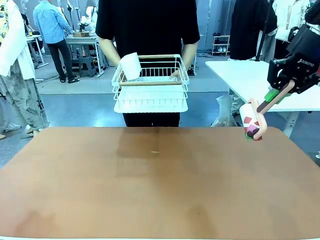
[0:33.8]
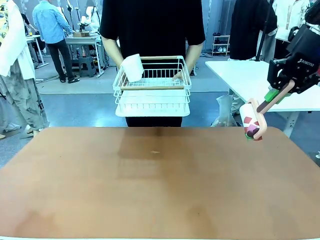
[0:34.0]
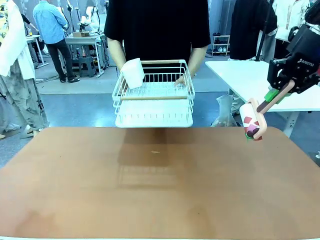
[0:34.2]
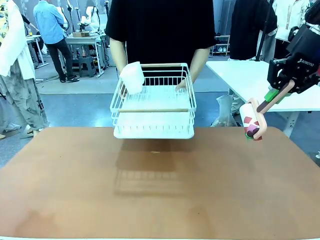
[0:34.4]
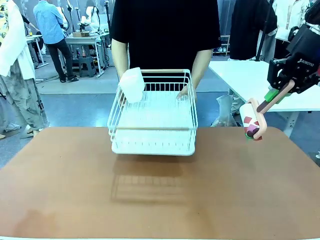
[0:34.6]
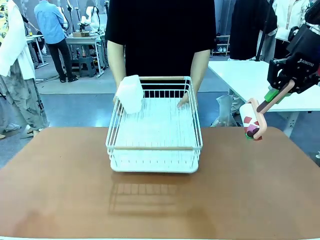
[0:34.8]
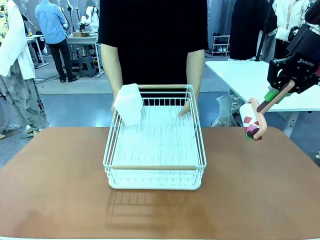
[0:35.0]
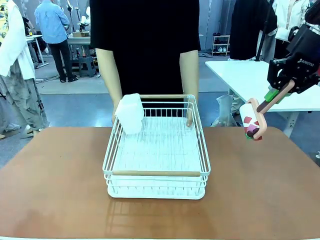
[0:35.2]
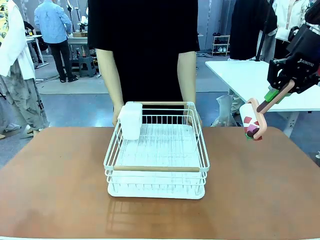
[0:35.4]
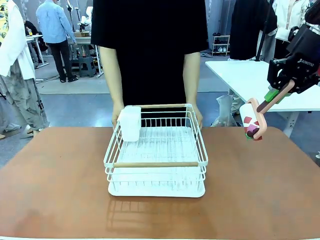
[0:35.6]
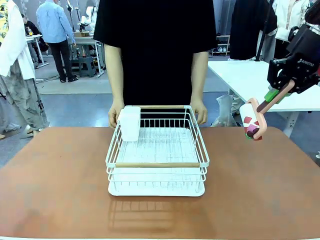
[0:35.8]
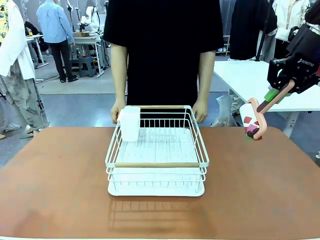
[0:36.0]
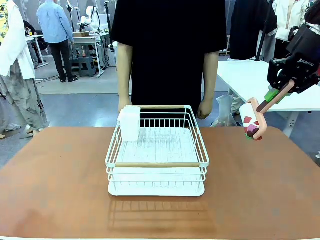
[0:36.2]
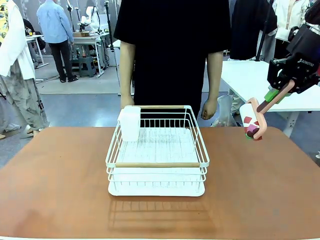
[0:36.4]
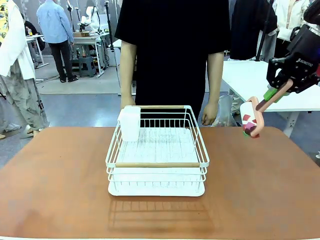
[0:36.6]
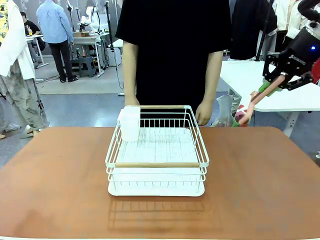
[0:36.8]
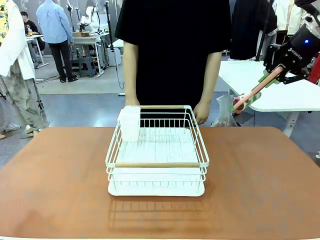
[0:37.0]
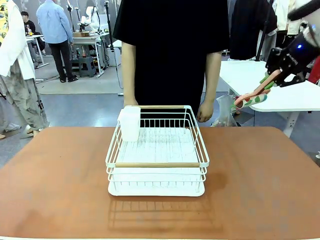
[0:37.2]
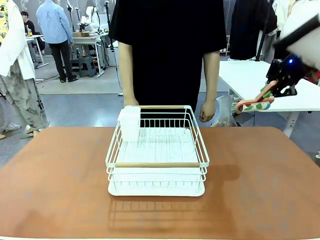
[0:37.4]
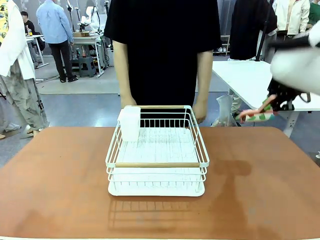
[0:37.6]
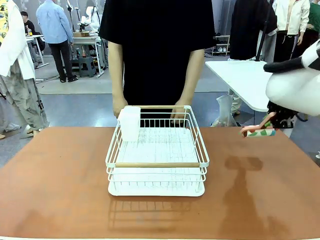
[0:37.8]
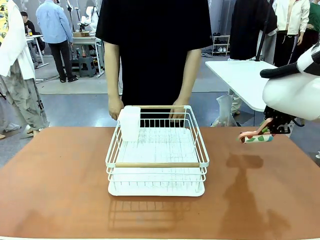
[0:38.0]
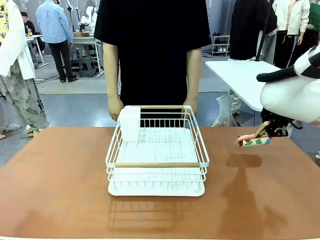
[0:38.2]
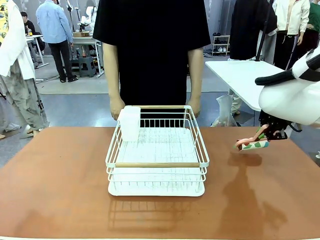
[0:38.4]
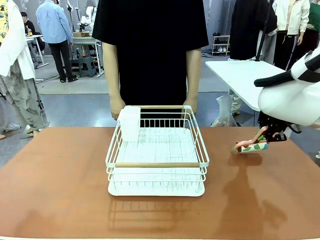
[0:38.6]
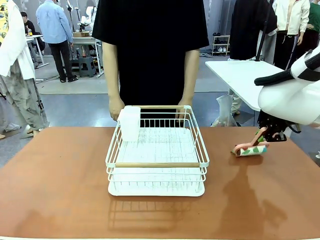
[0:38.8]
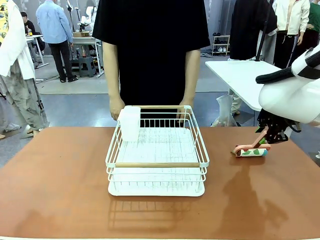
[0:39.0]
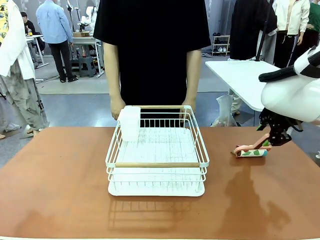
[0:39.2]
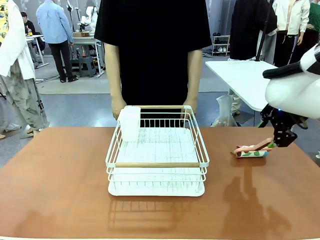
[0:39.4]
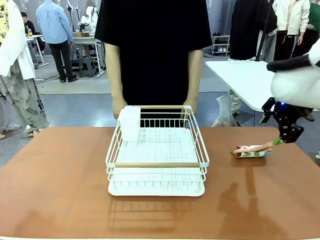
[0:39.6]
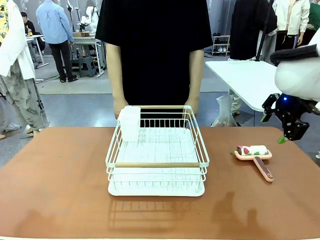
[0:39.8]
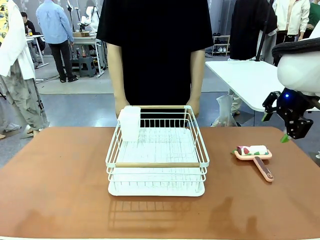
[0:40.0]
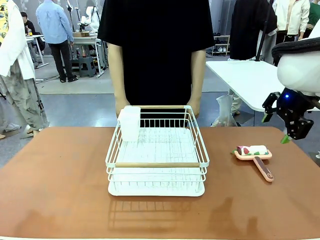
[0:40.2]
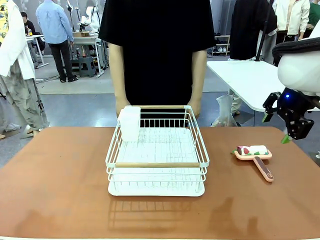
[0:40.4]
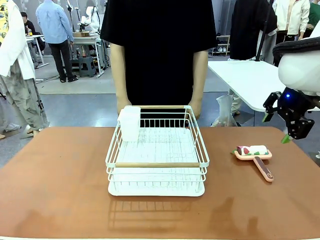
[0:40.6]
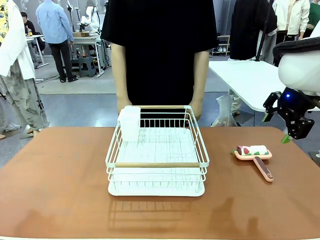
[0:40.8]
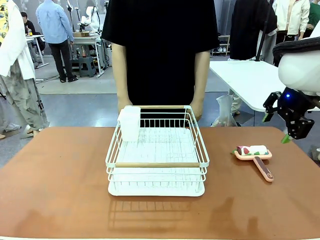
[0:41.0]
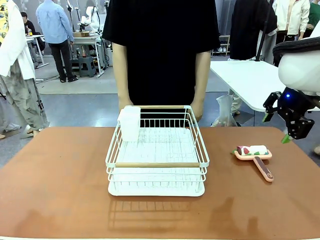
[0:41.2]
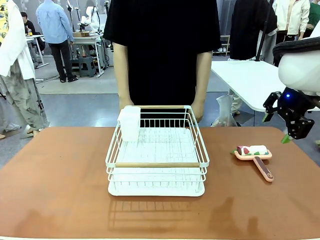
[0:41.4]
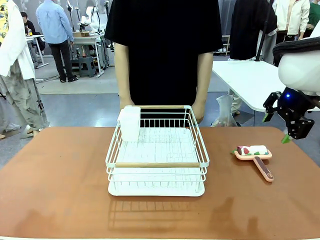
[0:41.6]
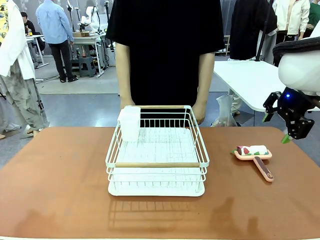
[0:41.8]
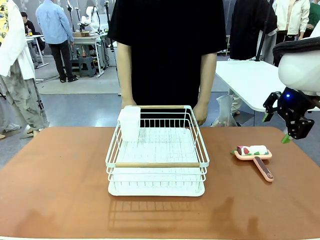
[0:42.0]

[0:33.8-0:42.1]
Task: Clean the table.
Robot: Place the Lint Roller down when the Dish drying rack is positioned in the middle of the table.

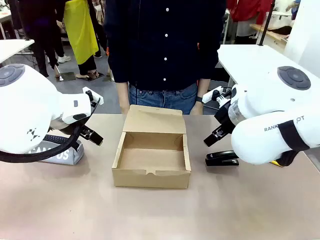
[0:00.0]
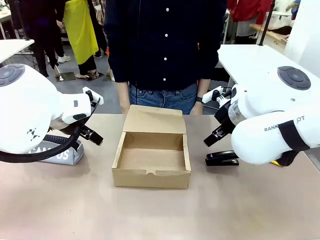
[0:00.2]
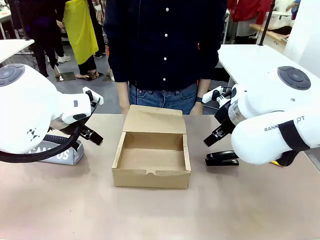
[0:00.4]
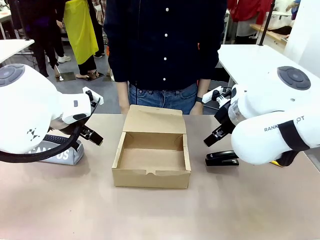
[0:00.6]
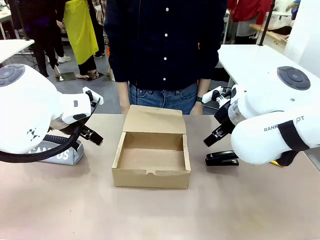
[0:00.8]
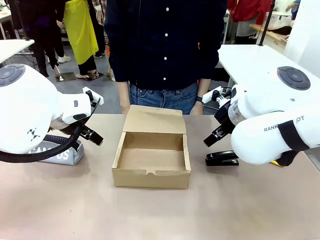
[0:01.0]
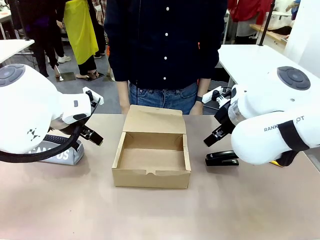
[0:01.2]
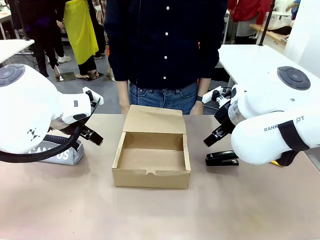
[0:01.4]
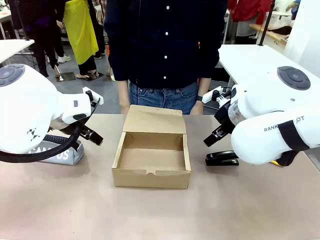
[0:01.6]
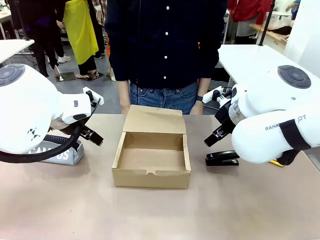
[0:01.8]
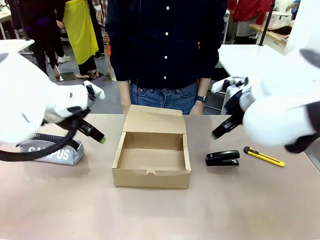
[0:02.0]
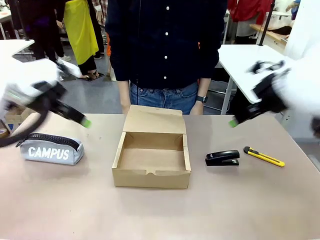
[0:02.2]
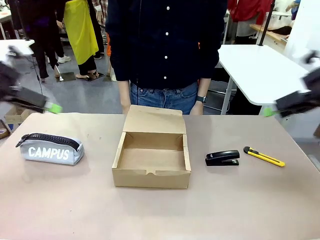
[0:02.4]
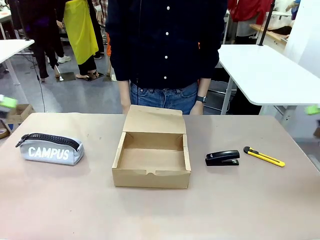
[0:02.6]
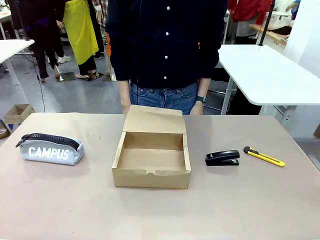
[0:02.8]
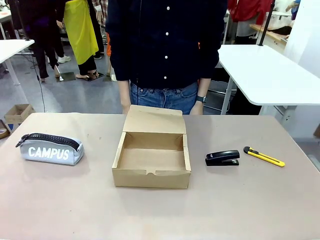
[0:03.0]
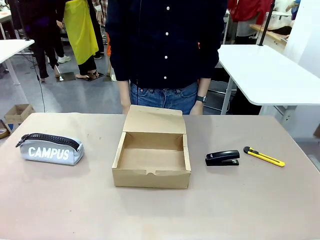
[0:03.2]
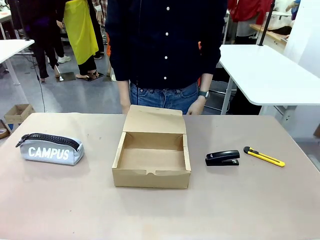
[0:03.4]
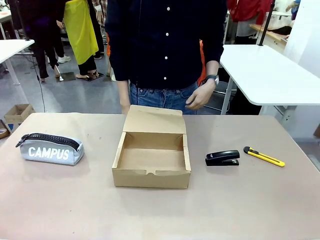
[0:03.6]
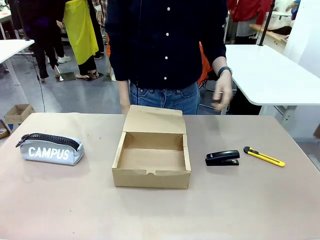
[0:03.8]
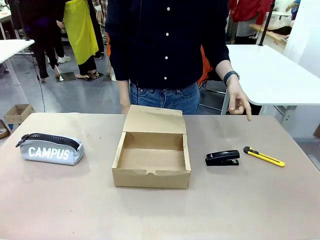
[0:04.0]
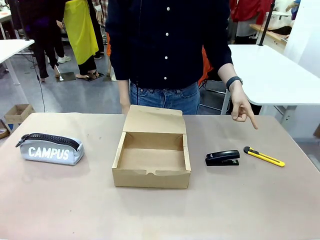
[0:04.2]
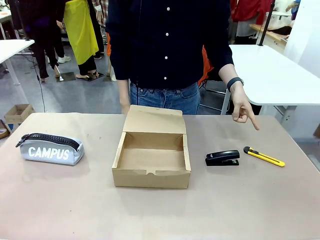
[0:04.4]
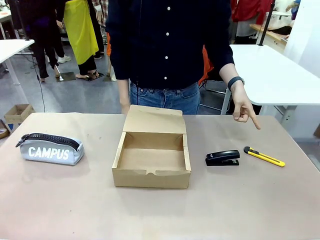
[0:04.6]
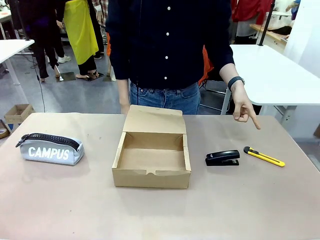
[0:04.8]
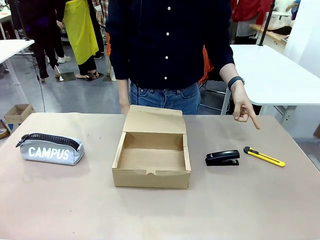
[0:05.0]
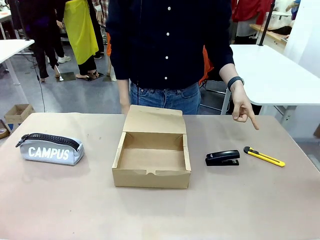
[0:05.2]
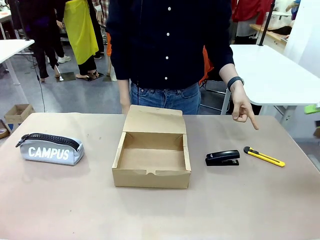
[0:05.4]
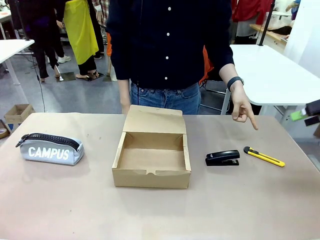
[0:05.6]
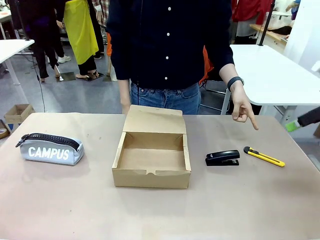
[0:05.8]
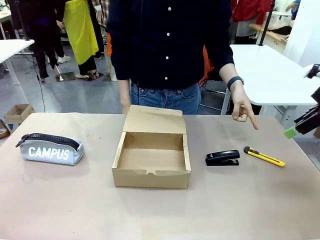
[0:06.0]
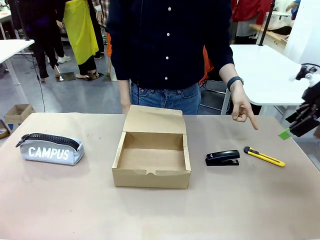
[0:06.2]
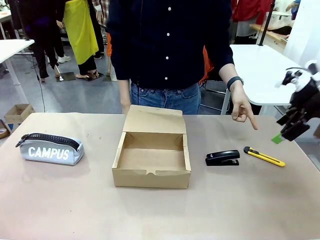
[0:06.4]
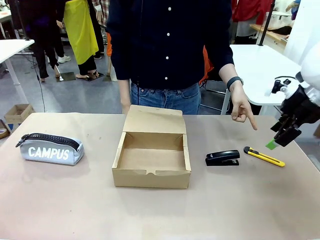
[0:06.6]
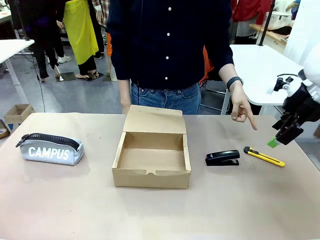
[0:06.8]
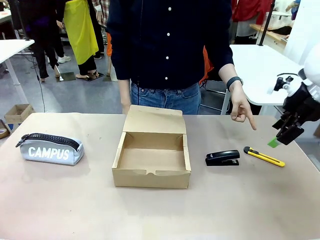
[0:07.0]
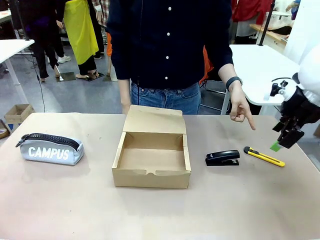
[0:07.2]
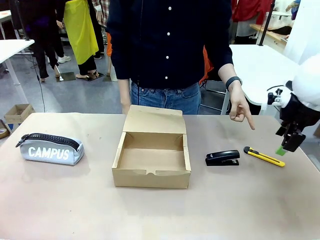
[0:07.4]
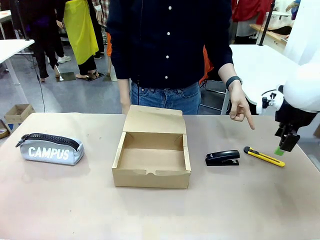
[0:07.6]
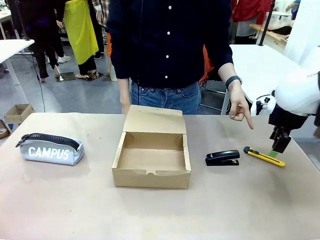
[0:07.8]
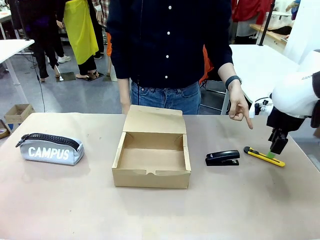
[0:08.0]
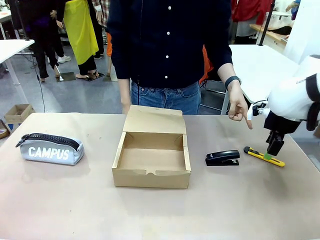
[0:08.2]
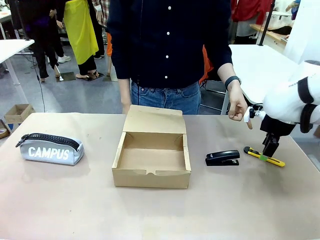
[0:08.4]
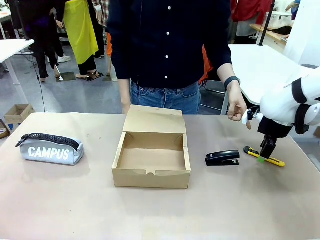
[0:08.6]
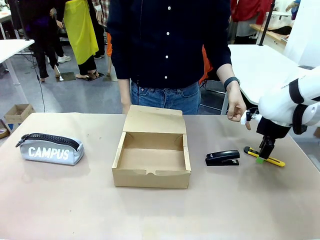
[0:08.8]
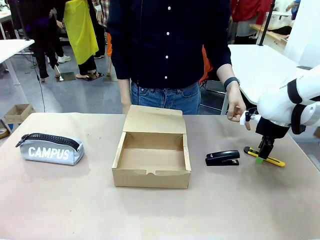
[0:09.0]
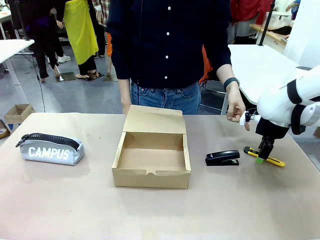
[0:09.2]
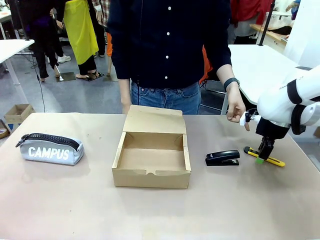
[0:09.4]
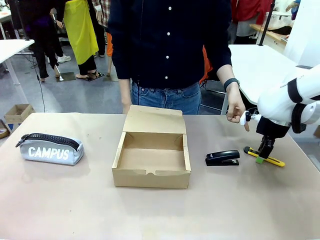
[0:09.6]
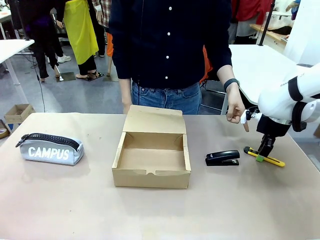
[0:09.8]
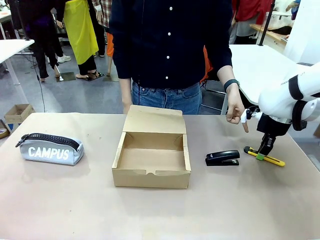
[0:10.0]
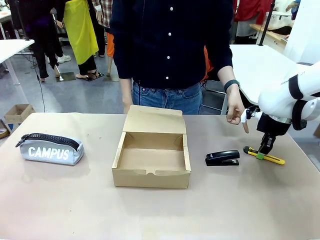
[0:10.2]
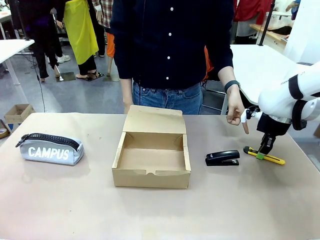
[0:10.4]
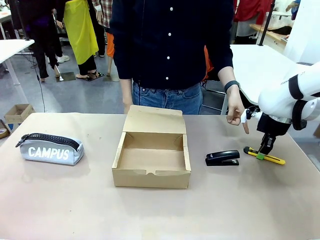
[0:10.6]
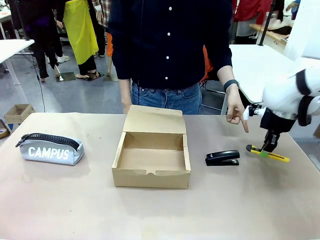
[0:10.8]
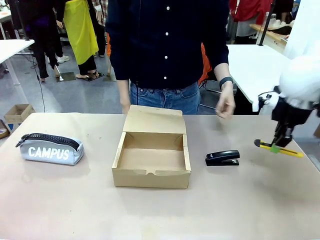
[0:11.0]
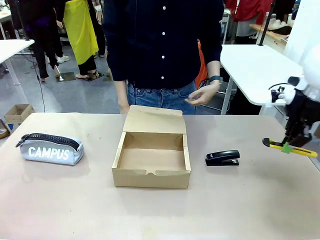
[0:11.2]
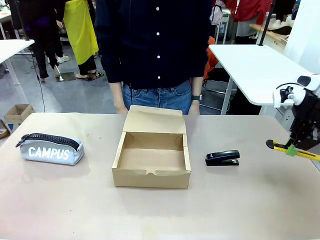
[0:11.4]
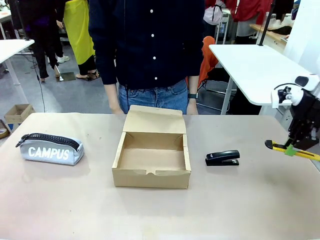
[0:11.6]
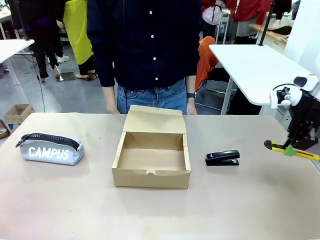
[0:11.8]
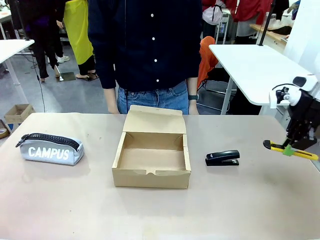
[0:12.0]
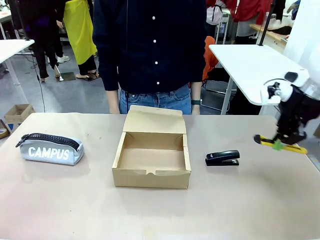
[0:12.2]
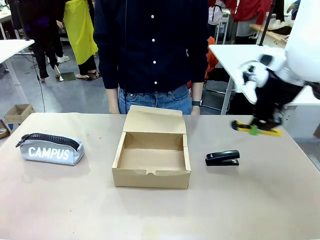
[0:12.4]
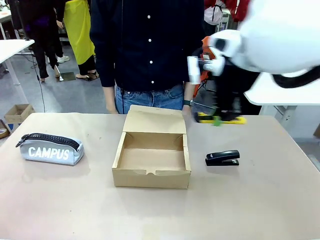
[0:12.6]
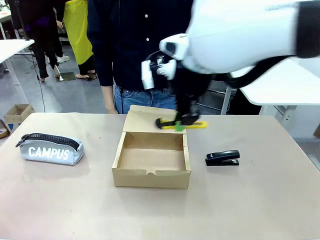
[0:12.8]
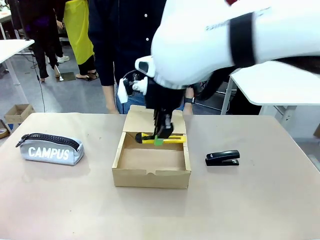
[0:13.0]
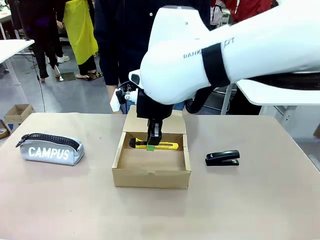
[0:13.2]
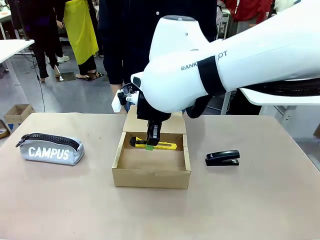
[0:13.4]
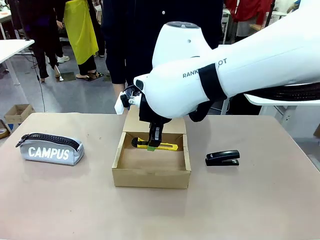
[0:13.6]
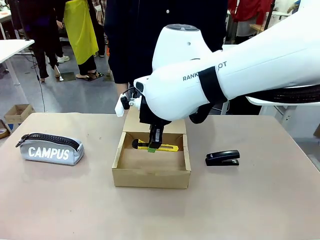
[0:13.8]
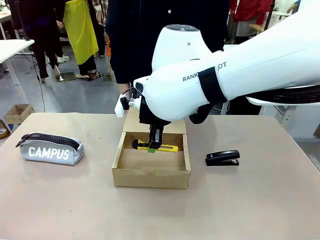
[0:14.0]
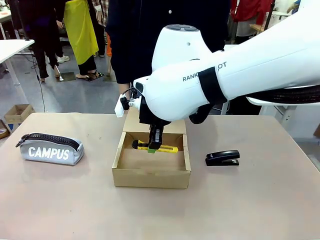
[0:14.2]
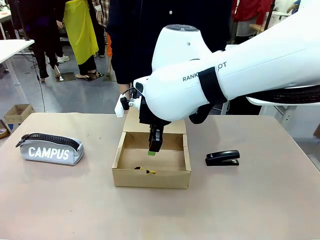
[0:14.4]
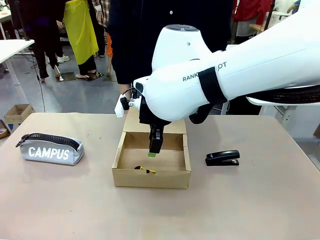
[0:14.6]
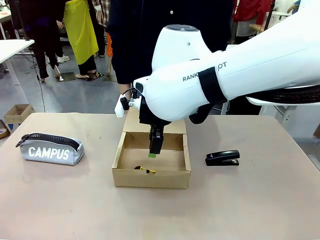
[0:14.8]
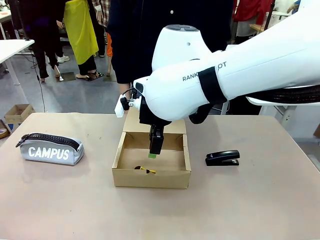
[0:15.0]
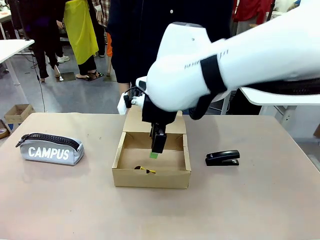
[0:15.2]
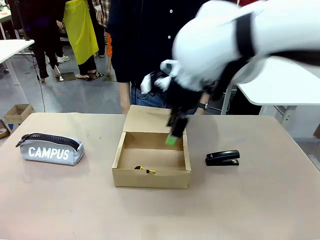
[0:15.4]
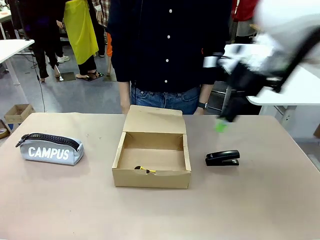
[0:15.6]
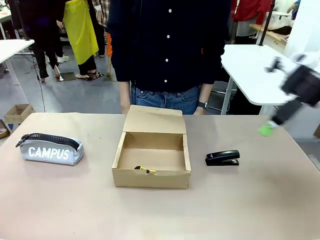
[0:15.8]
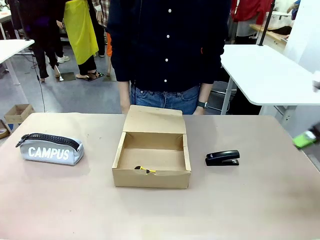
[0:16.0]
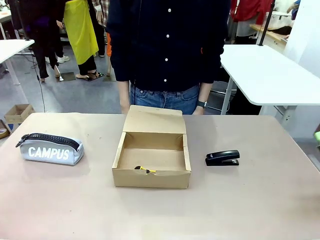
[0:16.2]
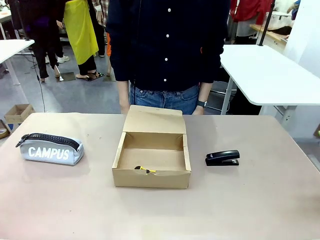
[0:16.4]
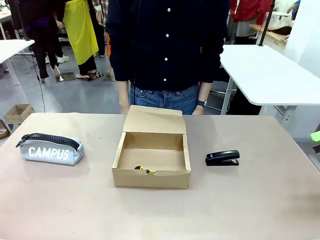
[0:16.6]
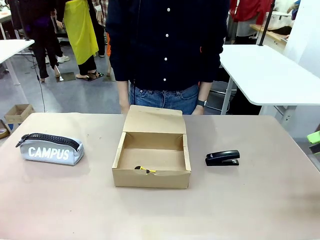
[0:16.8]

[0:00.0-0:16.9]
Task: Pack the item into the box.
Robot: Pick up the item indicated by the person and place it inside the Mailer Box.
Person: Point at one item on the table (excluding the box). Lower both hands vertically with palms facing downward, as if pressing something closed.
